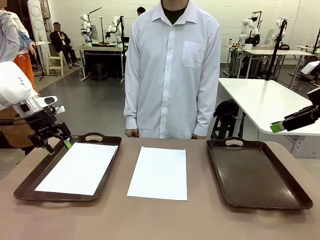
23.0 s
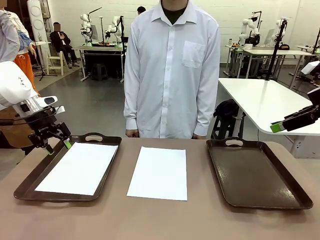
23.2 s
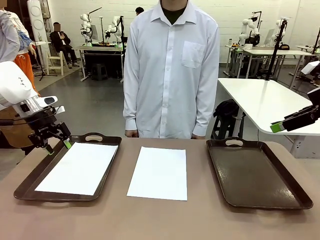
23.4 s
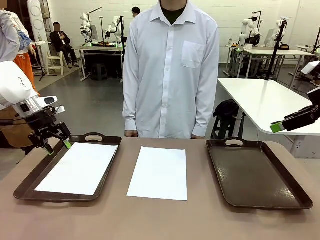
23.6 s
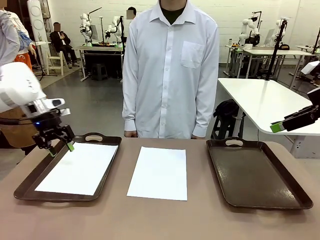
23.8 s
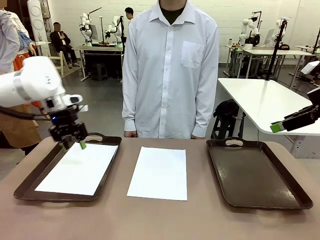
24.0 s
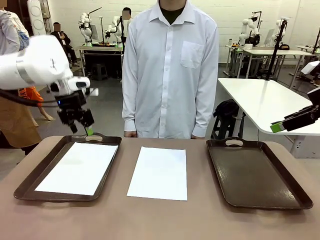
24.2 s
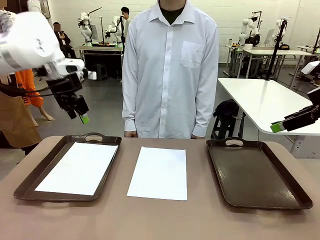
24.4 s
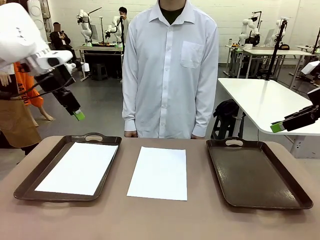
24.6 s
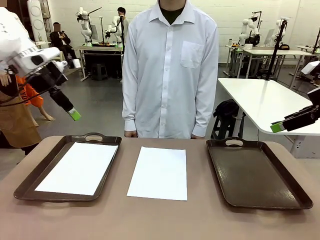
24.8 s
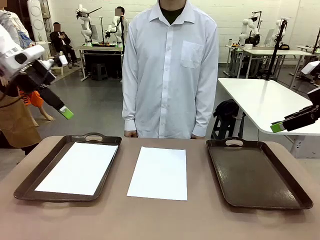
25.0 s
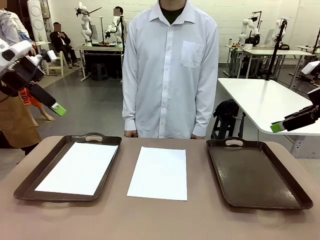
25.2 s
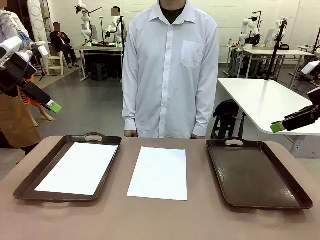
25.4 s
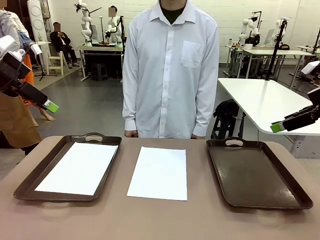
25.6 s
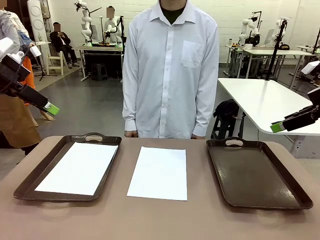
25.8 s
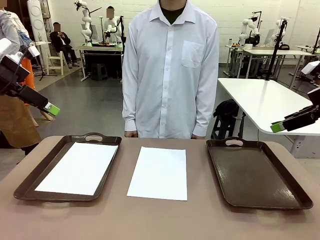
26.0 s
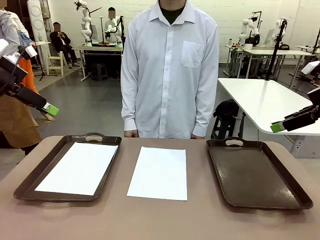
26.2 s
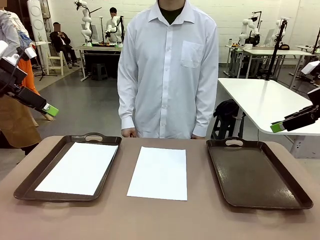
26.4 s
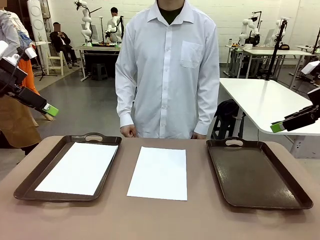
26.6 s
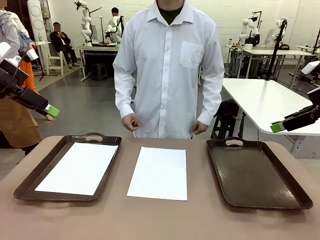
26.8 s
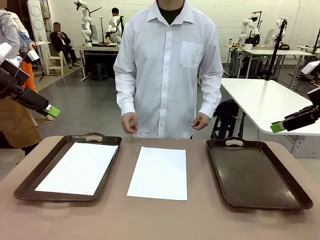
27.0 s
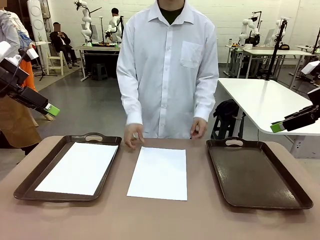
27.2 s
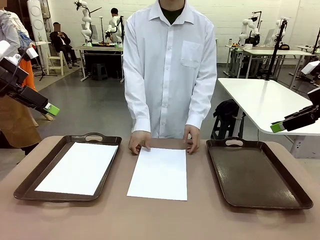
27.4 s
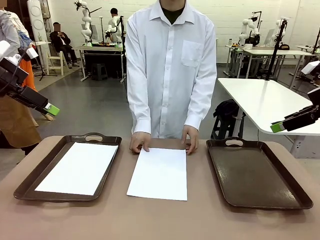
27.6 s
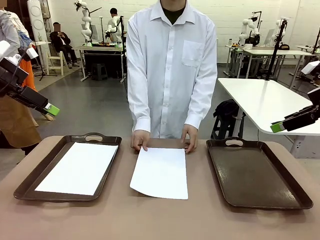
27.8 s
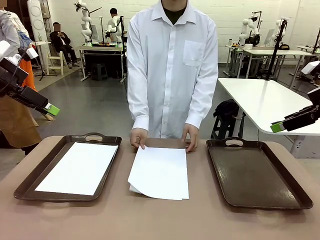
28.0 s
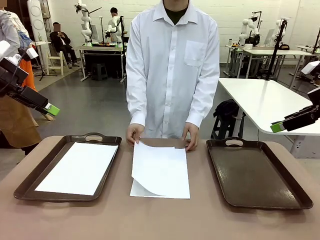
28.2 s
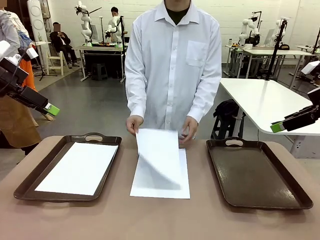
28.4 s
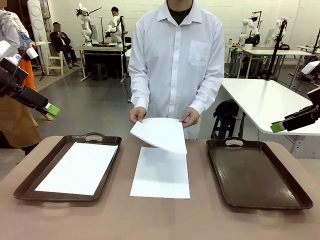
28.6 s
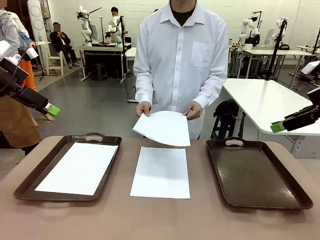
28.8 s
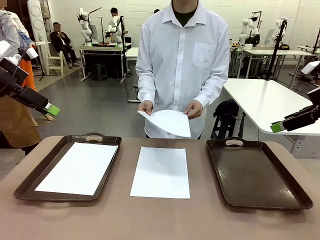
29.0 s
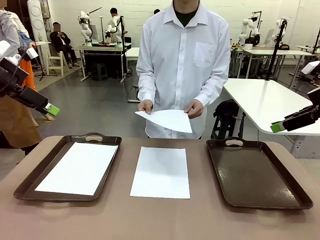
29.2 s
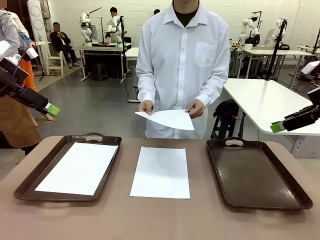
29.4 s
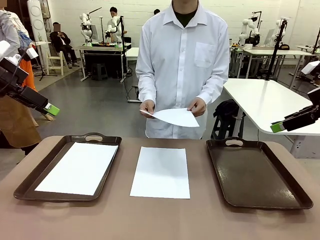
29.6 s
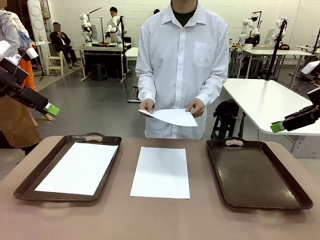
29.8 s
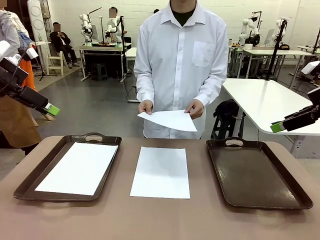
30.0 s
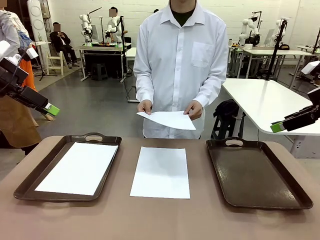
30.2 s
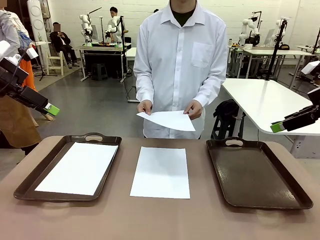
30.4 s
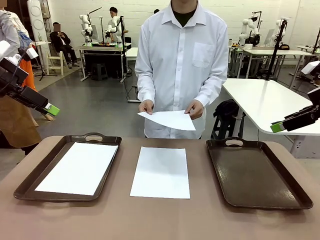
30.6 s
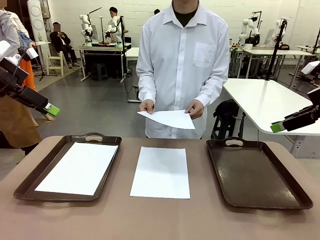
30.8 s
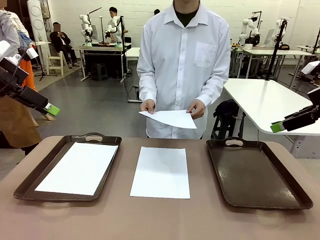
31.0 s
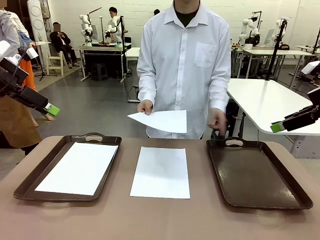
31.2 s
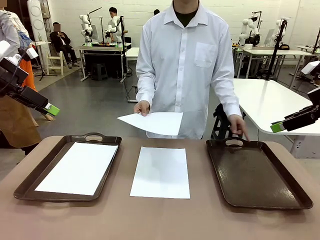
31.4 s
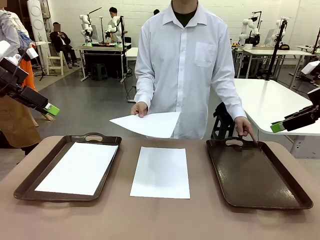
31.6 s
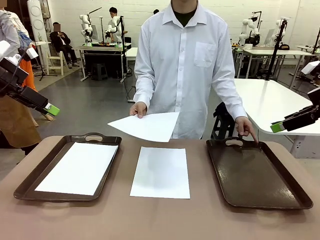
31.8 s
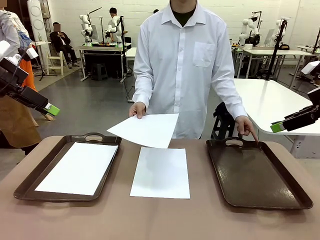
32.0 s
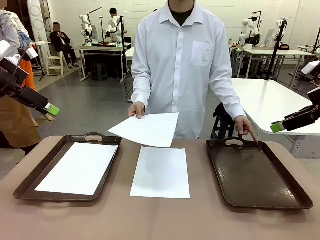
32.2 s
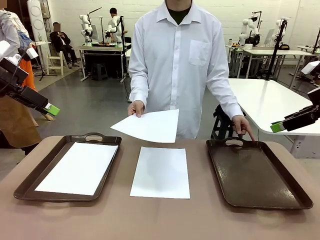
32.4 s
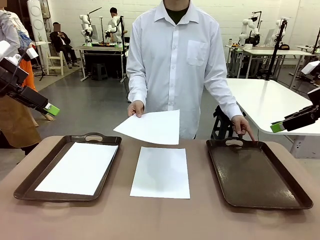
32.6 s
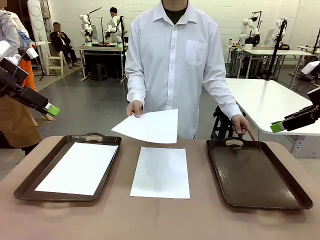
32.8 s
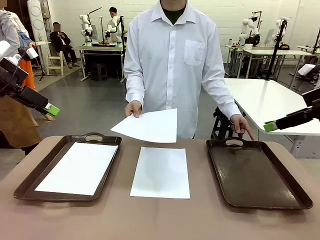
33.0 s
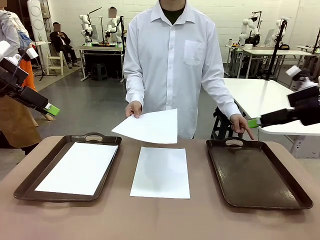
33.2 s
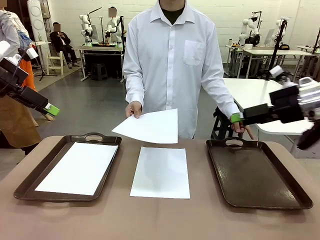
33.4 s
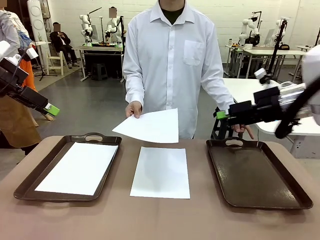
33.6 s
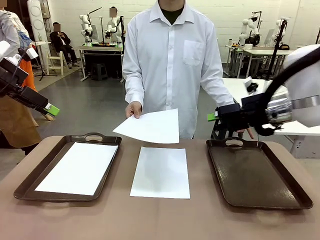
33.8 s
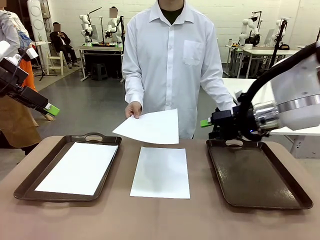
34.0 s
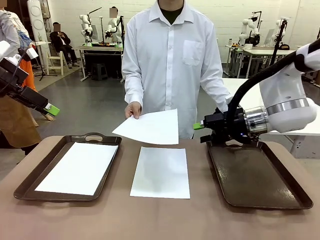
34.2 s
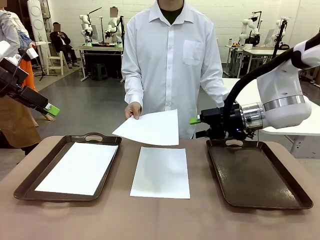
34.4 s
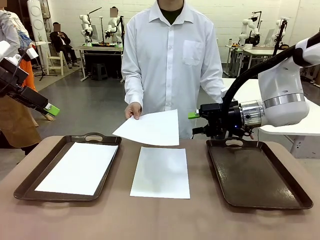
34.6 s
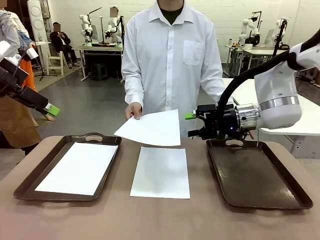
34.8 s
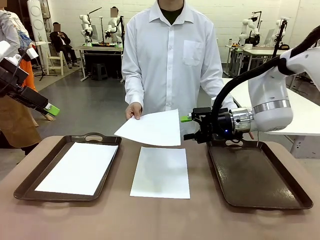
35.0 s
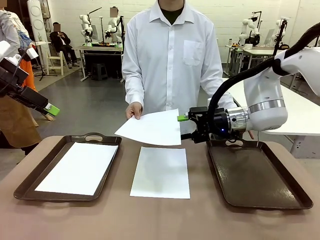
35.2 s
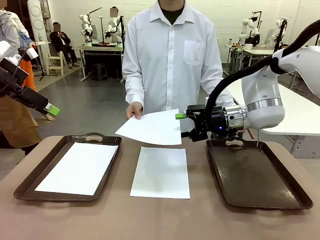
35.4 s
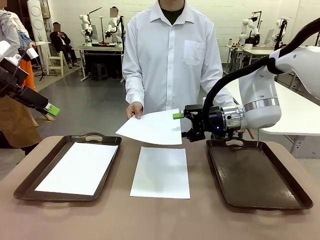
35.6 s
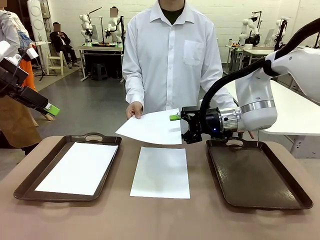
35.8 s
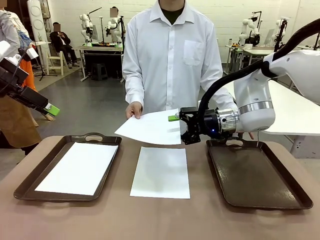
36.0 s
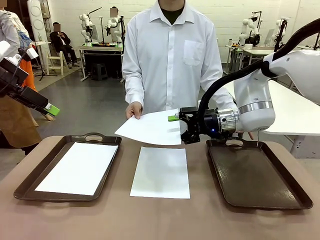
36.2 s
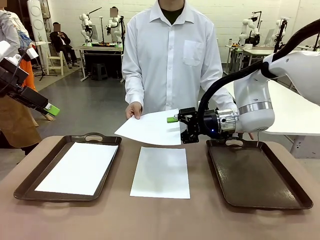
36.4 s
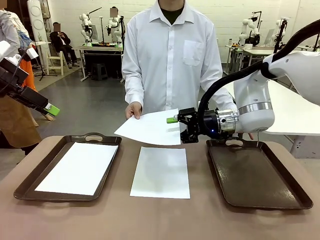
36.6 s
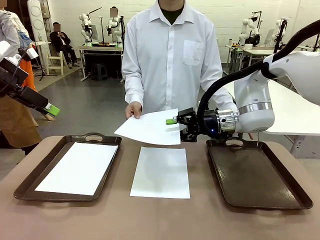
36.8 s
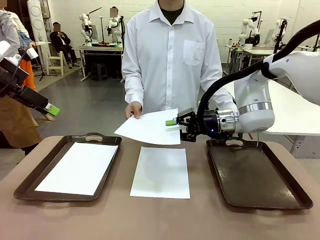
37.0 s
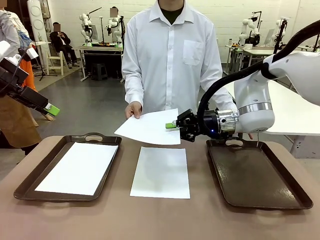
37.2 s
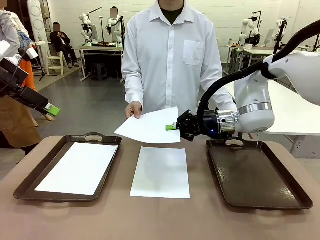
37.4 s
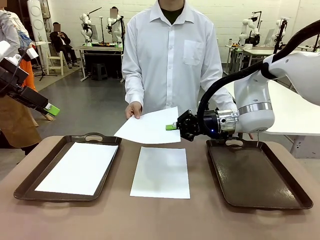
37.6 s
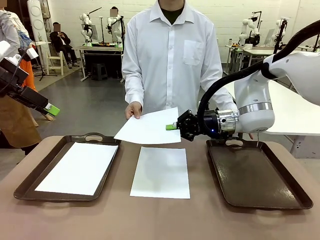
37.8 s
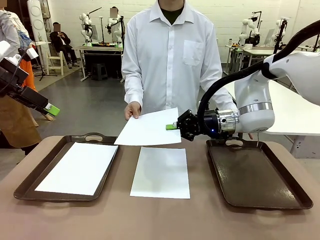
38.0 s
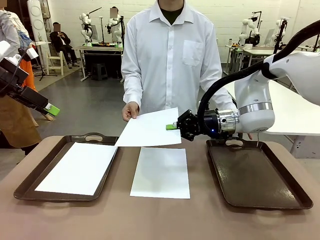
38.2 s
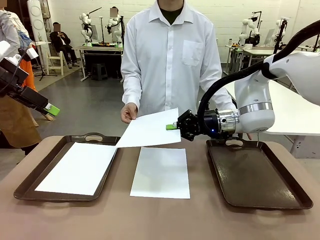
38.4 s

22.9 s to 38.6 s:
Task: Sort the A4 documents.
Robot: Receive the A4 Paper.
Person: Point the randomly selected tray with the other hand.

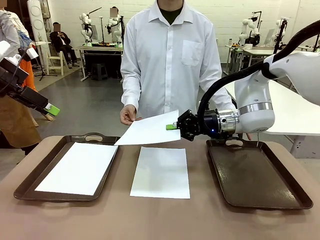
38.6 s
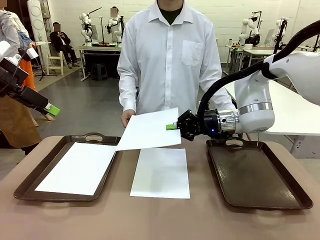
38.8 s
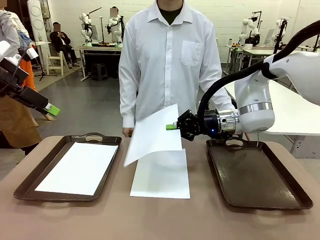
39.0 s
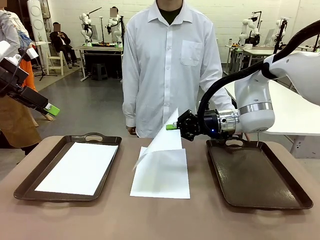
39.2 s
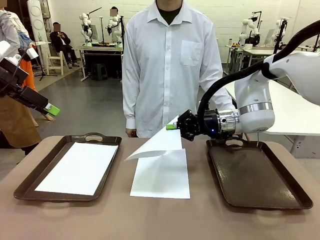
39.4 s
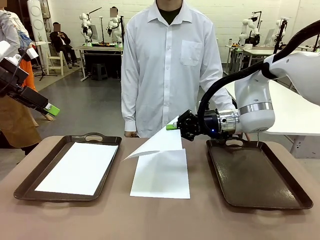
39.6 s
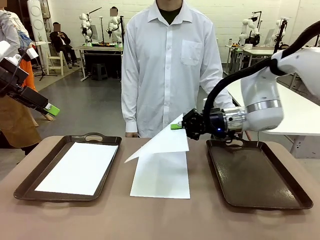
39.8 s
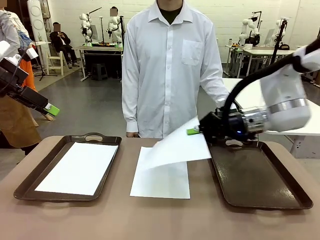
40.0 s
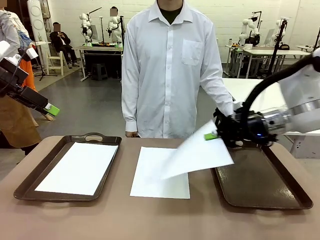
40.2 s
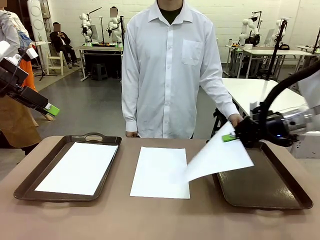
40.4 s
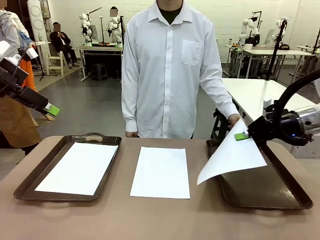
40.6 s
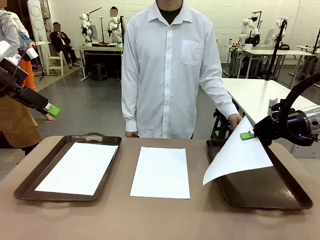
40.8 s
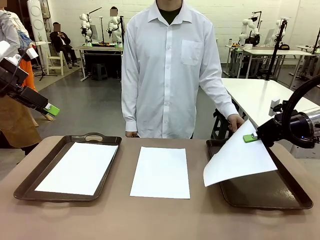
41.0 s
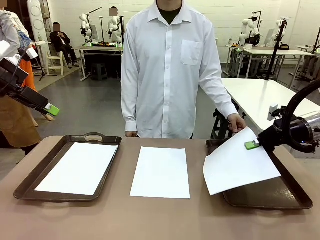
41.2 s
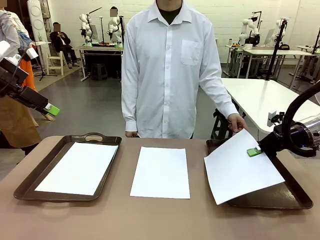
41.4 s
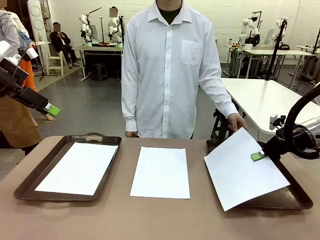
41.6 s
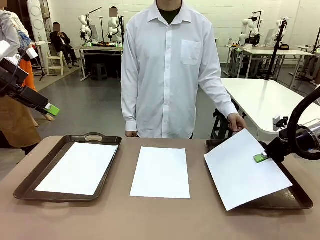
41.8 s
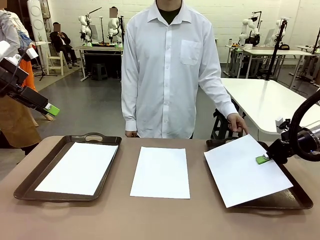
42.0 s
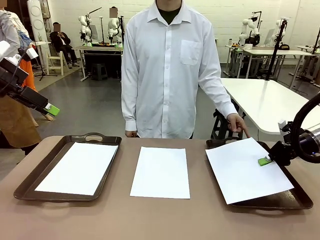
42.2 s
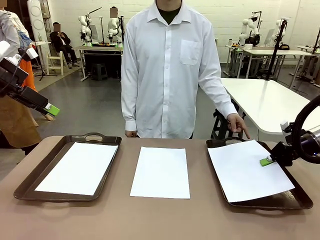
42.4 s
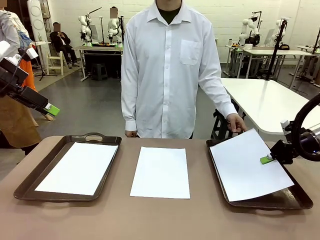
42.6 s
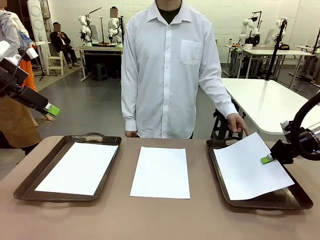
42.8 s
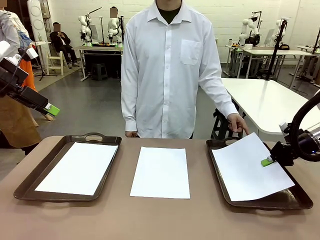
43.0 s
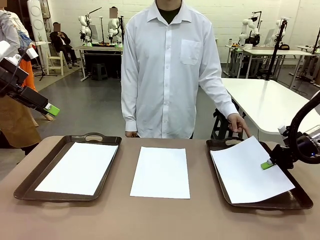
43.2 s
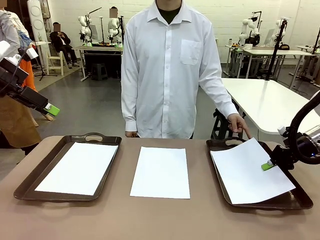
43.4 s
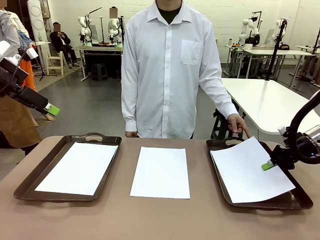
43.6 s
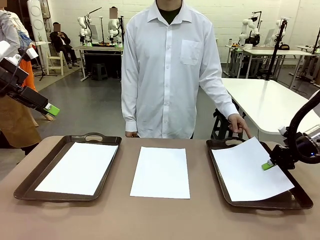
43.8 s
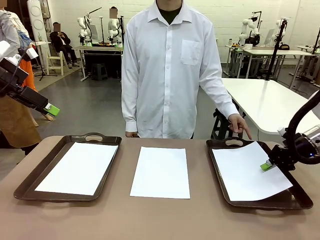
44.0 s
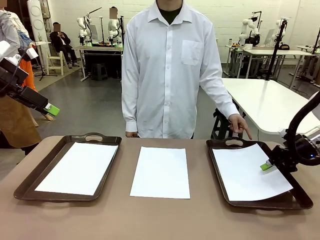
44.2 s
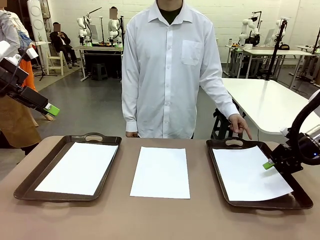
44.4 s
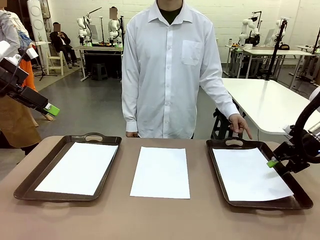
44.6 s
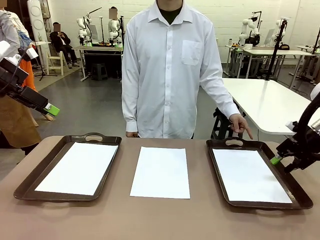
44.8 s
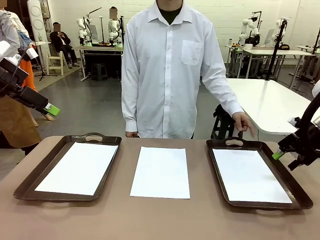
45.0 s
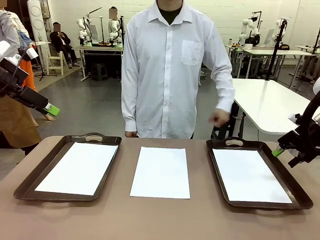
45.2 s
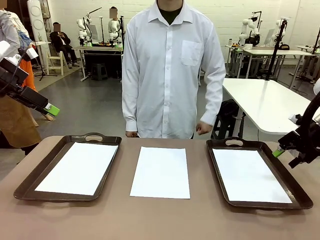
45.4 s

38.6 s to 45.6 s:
Robot: Place the A4 Paper in the designated Handle tray.
